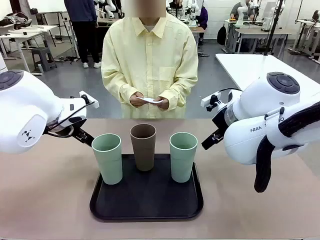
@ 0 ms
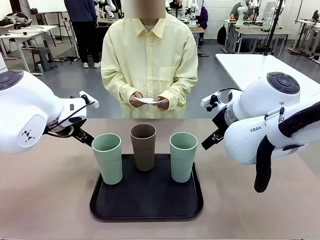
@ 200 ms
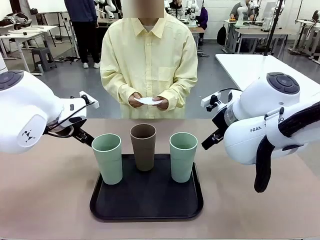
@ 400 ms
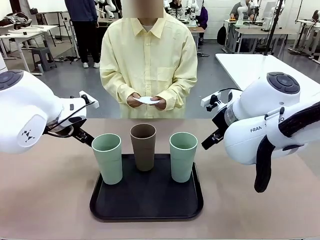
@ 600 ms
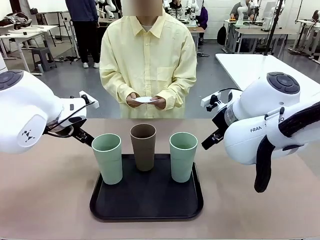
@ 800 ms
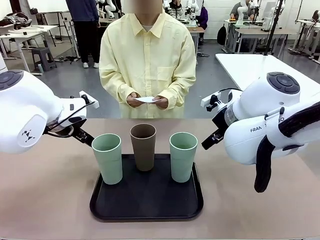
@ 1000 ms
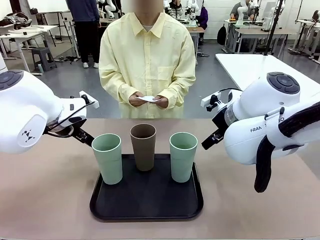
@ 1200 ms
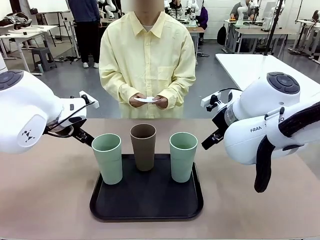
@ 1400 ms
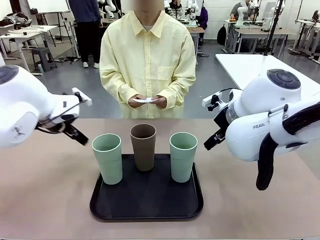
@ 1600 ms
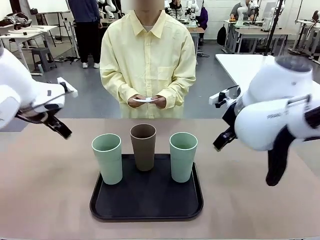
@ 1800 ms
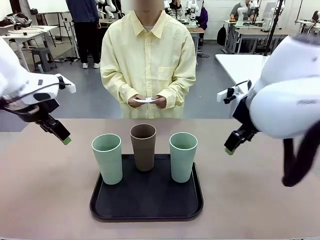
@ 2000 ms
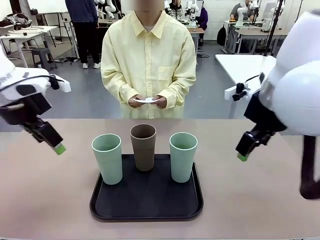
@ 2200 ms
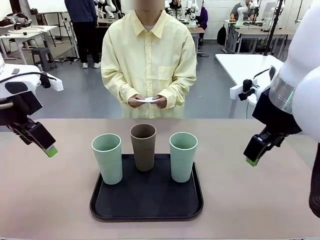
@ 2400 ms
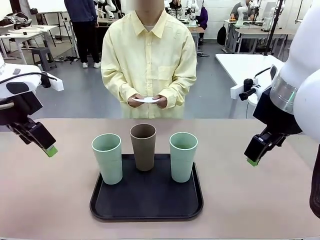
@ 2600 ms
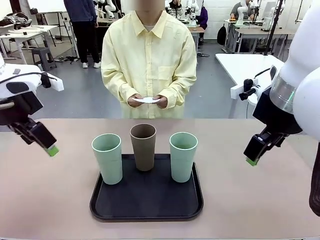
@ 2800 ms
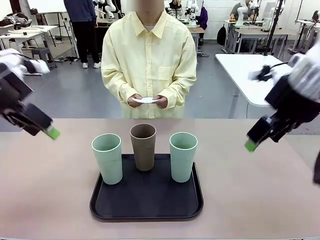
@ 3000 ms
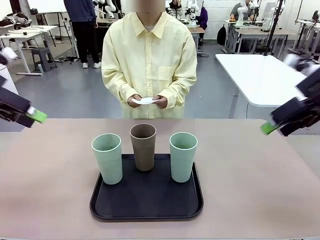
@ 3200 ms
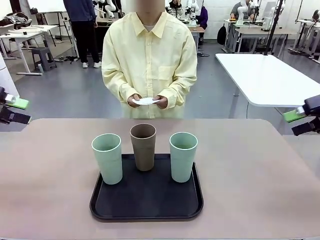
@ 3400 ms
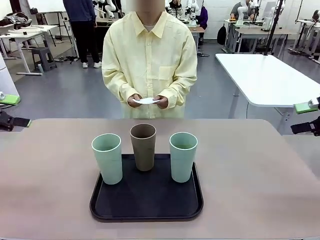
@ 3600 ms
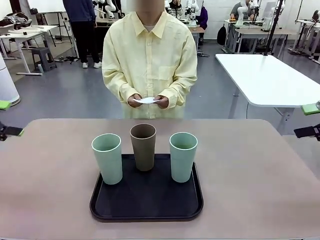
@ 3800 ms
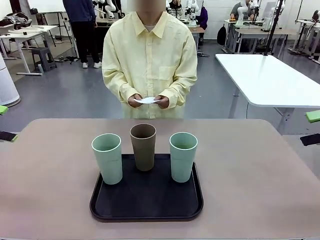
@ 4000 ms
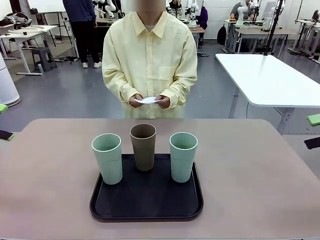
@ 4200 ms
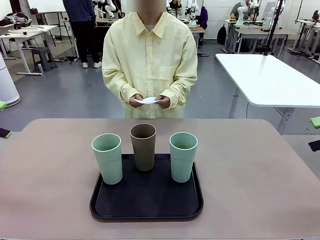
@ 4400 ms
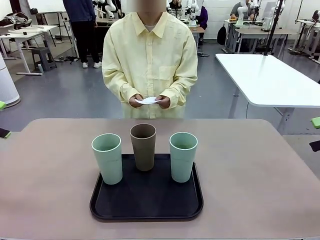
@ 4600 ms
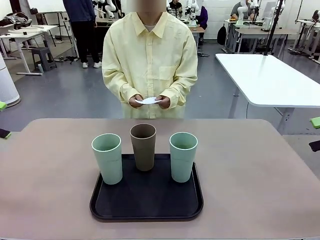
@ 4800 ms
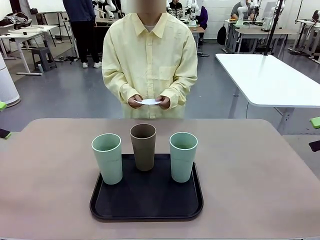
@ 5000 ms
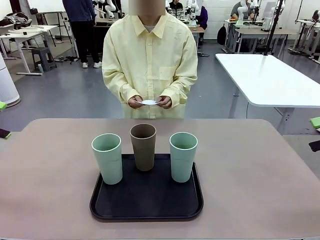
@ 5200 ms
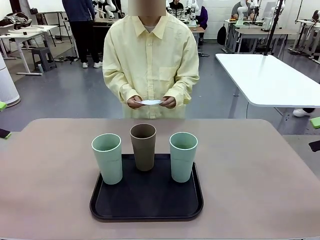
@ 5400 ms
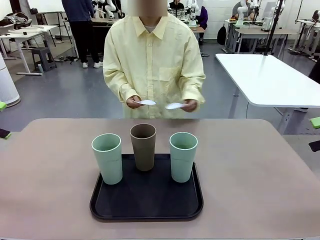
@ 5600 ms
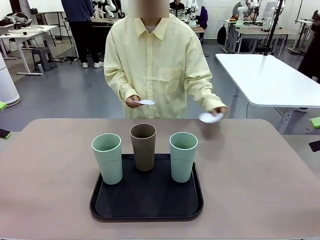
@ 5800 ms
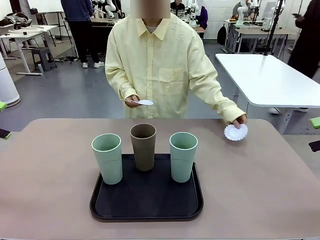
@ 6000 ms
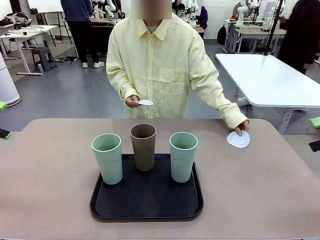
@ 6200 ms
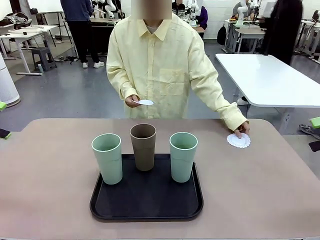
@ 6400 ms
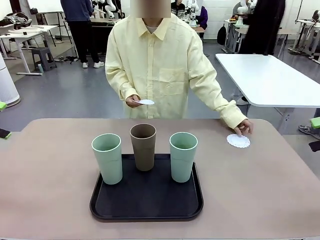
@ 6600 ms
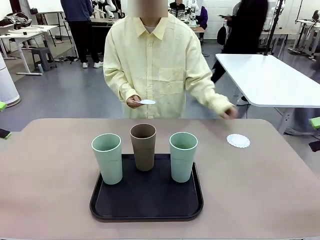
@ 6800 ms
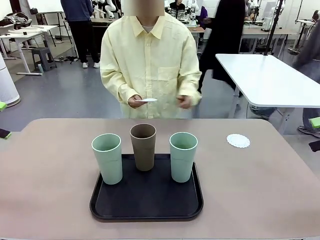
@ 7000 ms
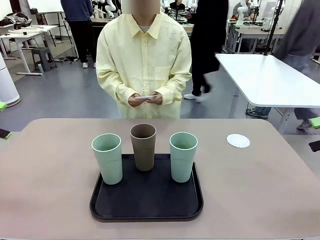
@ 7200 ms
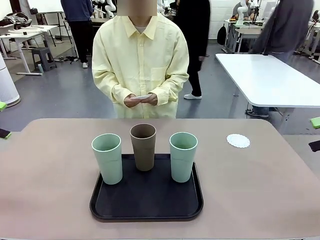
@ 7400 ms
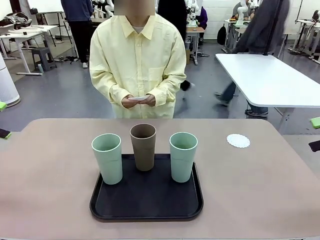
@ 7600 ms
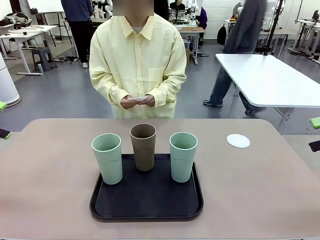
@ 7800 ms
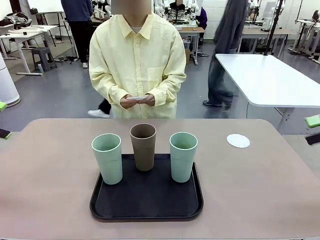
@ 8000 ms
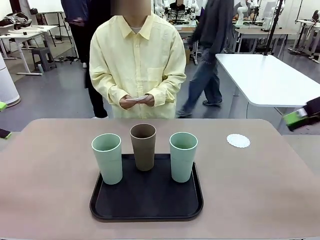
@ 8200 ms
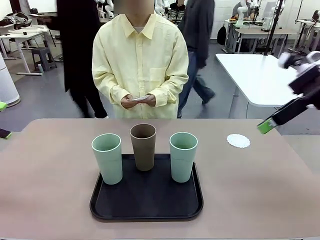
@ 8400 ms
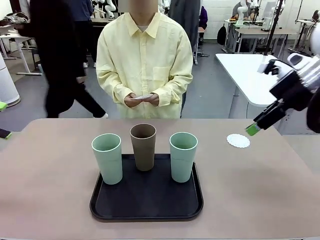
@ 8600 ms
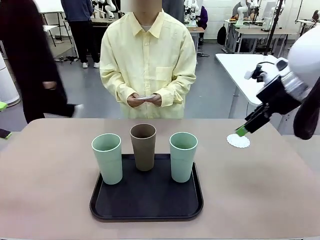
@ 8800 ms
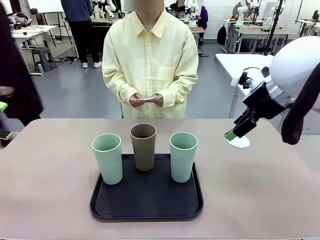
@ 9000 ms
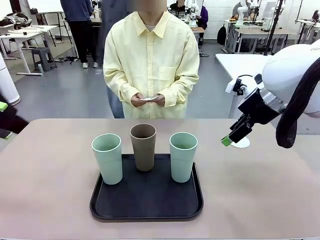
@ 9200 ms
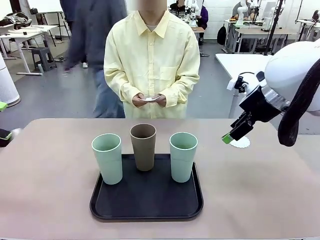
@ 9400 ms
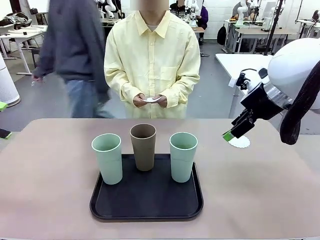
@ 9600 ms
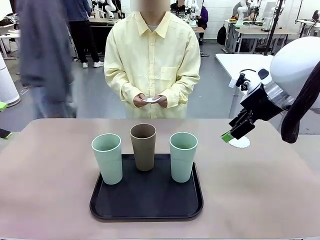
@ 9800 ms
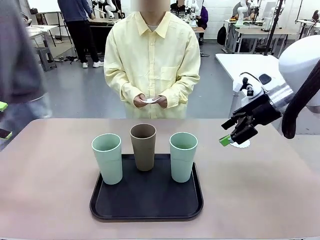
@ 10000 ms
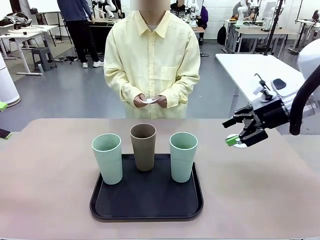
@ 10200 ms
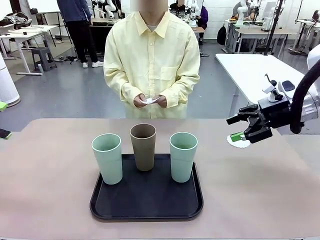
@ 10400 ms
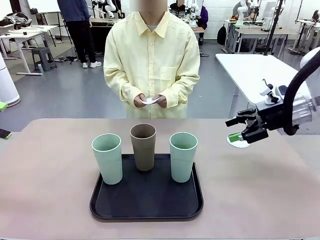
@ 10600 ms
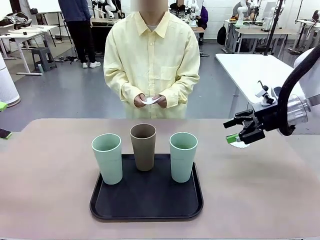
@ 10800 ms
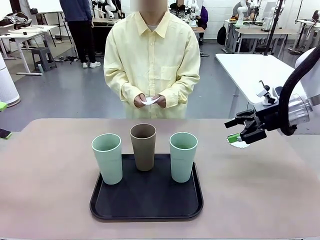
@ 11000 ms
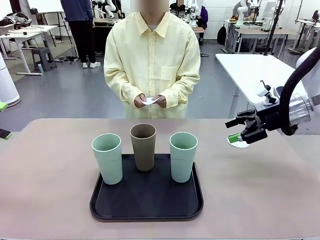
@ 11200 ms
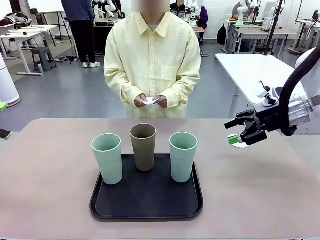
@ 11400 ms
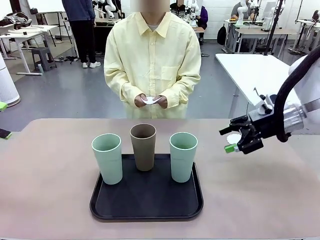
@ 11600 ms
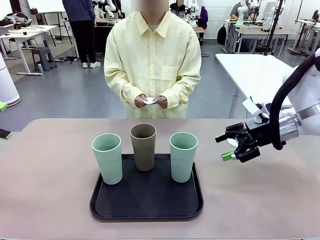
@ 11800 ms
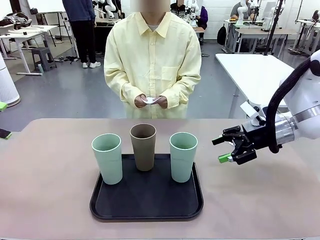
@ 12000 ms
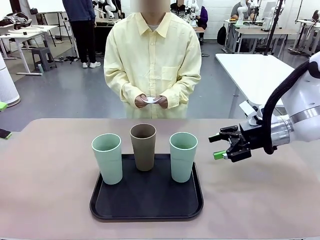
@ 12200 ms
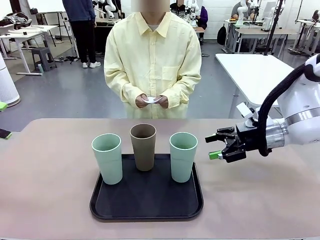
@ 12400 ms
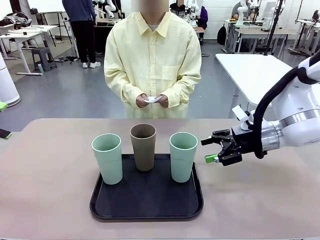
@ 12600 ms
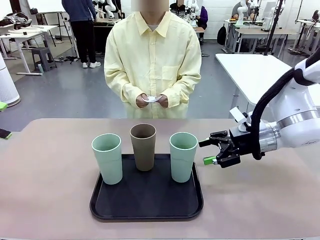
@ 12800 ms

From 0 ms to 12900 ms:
Task: Place coasters on the table and set cups on them.
Robot: Pick up one Reusable plastic cup and place it on a coaster set by the human.
Person: Place one coaster in any one of the three lower areas of the robot table (left, center, or right).
